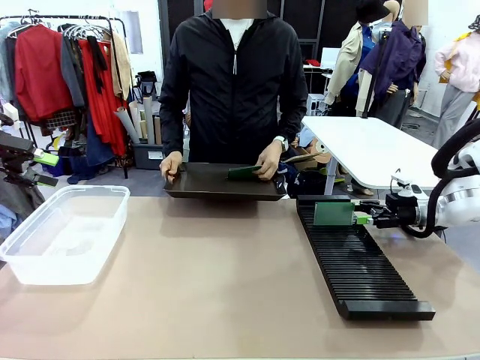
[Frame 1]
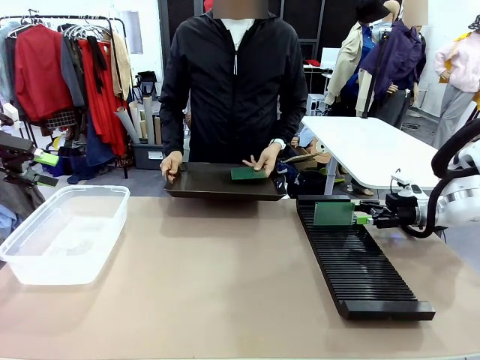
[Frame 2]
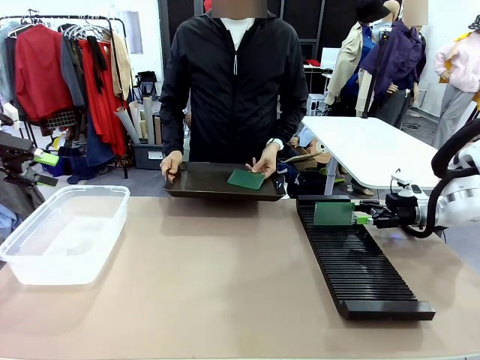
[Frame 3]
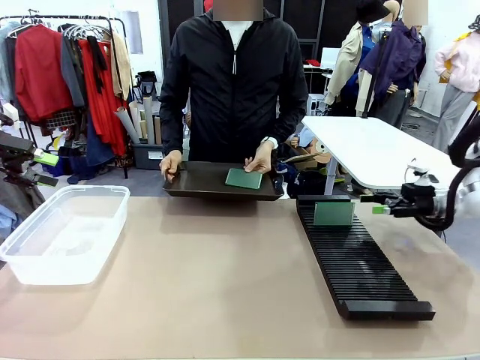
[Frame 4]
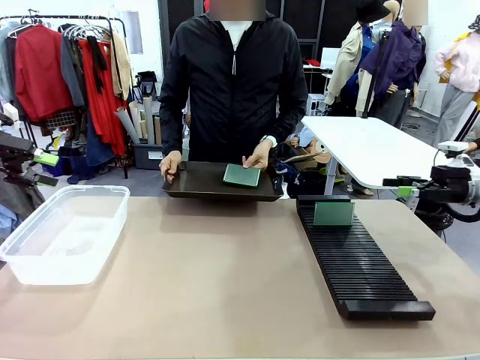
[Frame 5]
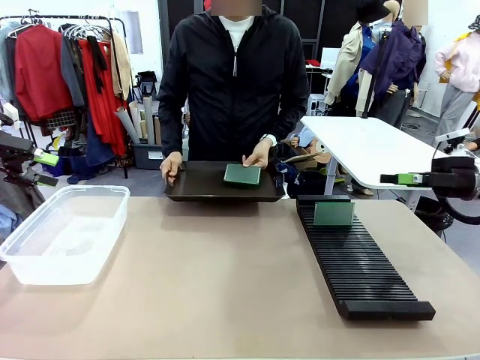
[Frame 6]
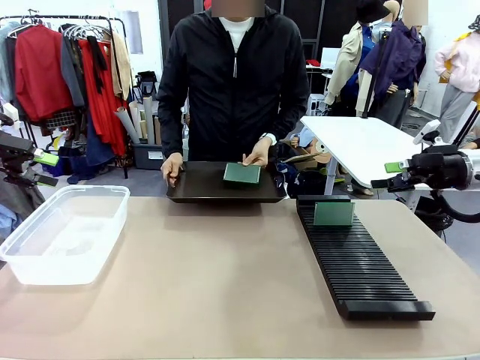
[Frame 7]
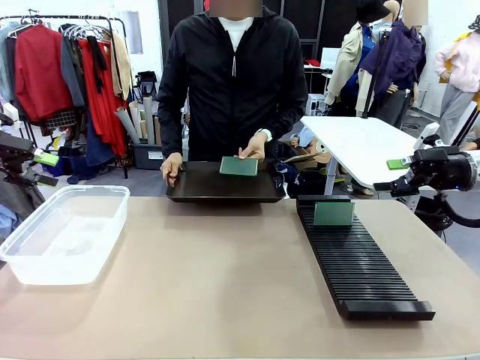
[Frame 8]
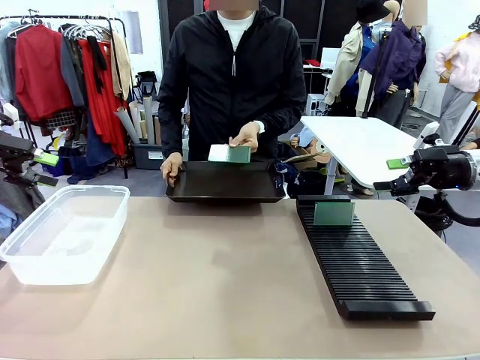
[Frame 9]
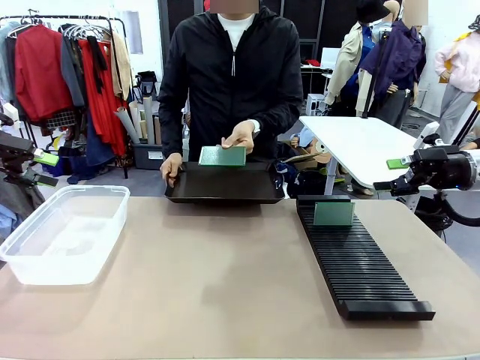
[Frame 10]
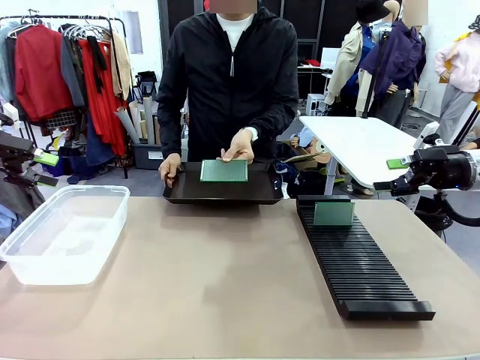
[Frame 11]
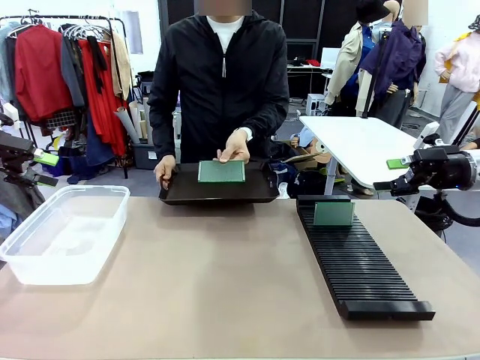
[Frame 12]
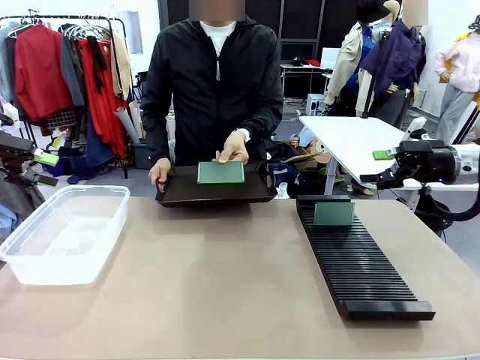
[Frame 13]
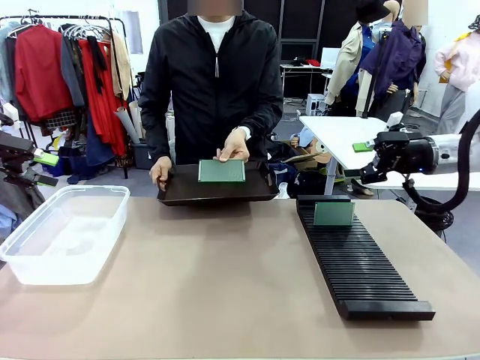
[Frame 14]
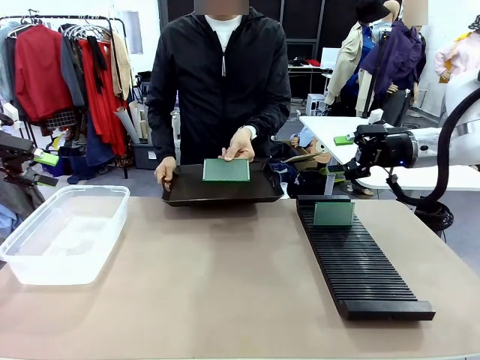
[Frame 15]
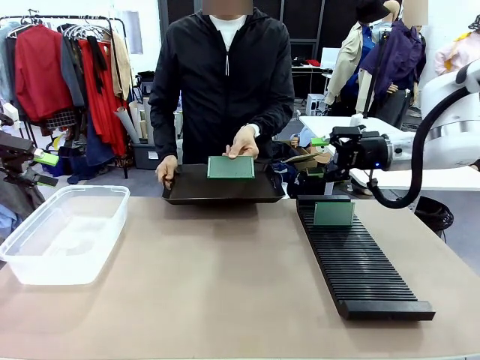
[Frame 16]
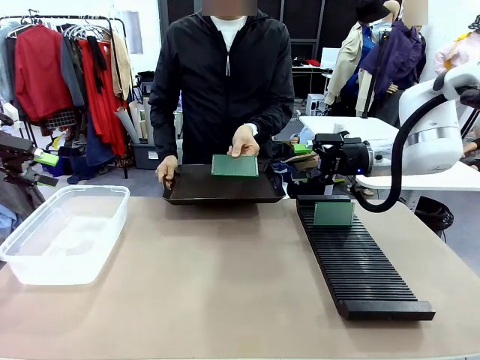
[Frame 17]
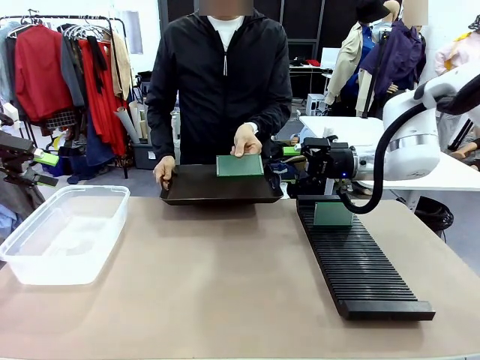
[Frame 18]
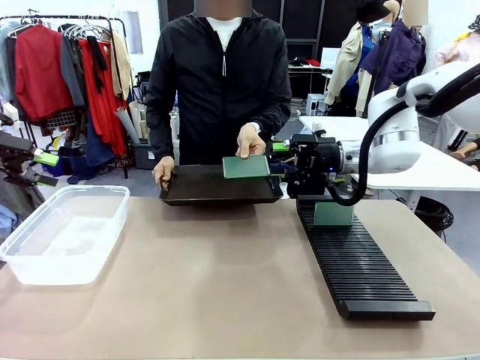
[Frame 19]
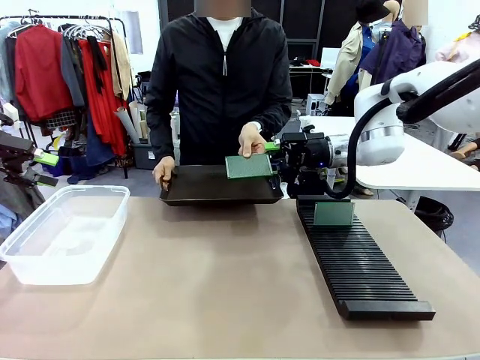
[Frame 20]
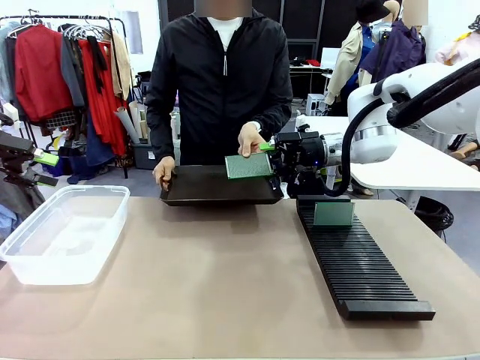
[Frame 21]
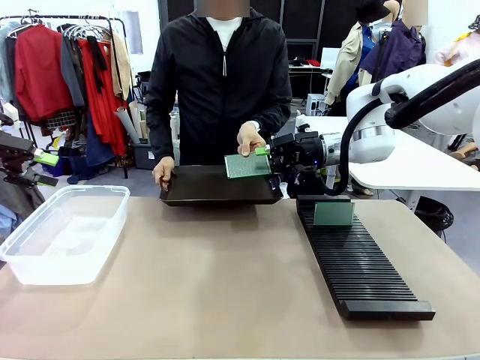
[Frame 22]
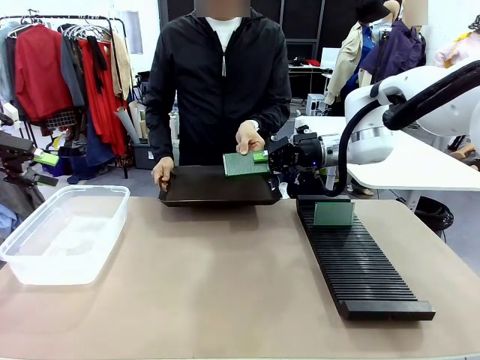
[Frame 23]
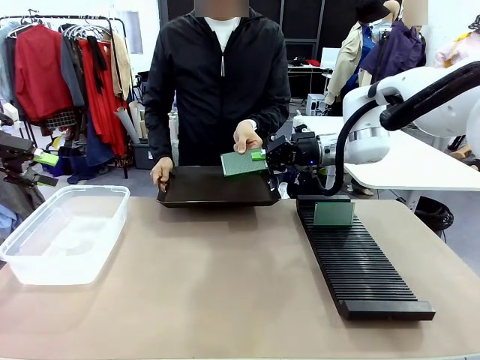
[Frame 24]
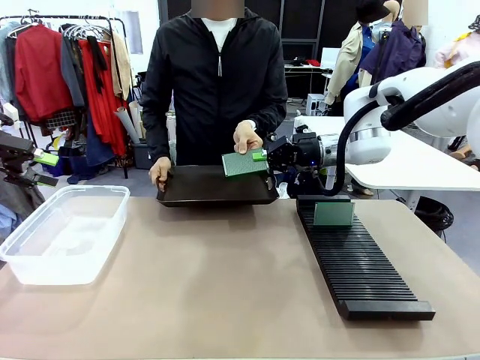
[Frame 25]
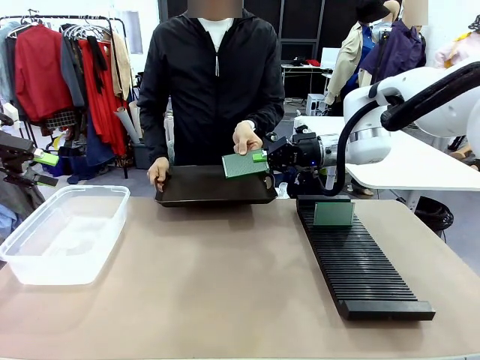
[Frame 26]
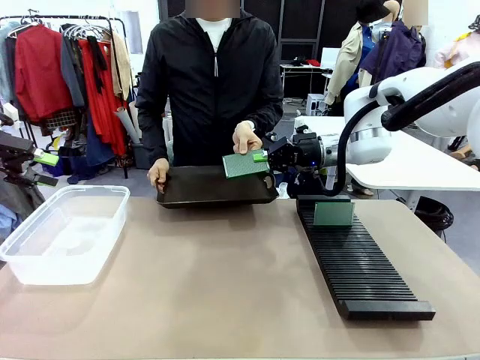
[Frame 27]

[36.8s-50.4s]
Task: Sort PCBs into racks and boxes based on the side picked up.
Robot: Pick up the Blank PCB handed by the Human.

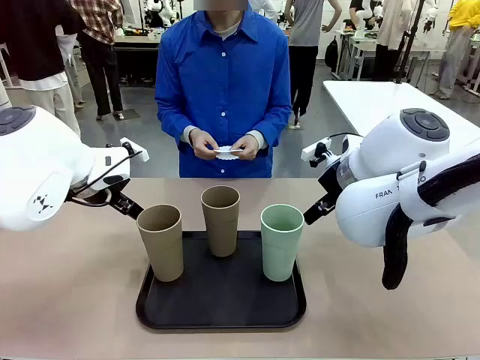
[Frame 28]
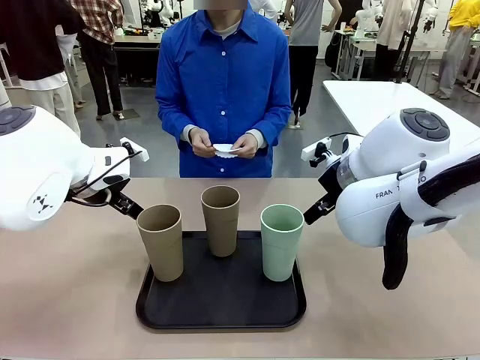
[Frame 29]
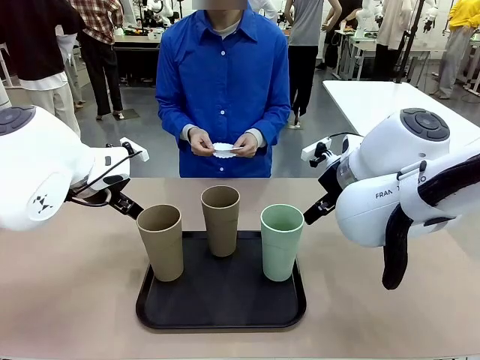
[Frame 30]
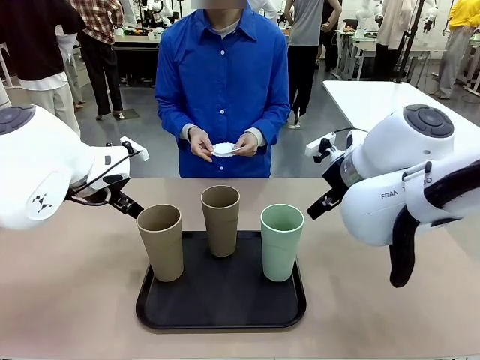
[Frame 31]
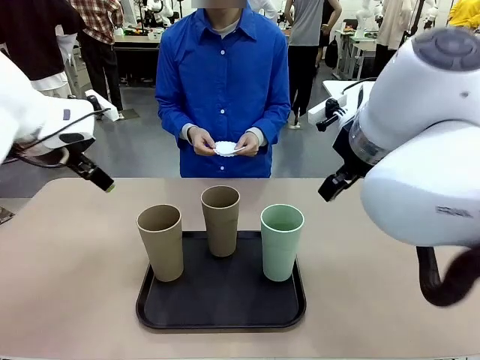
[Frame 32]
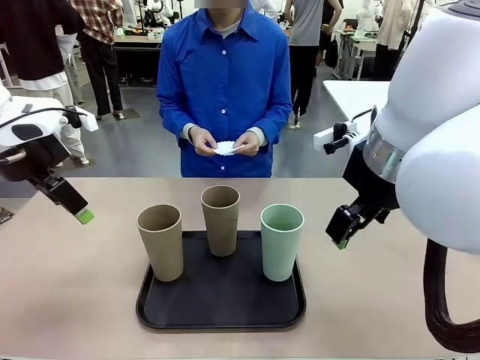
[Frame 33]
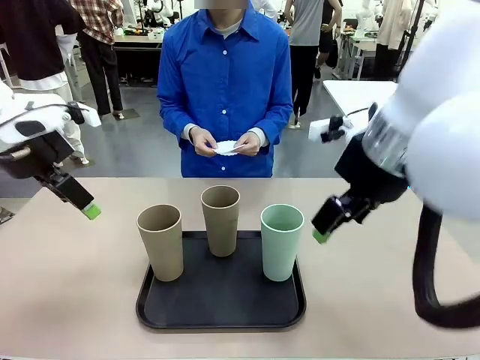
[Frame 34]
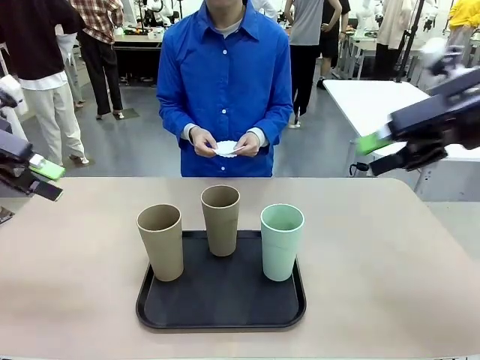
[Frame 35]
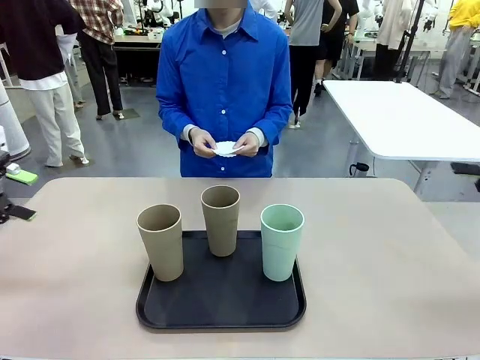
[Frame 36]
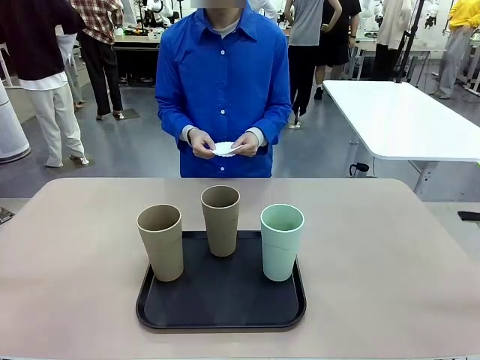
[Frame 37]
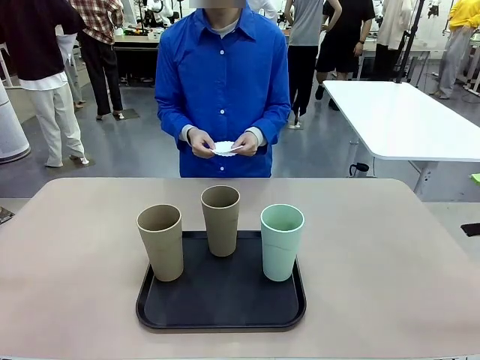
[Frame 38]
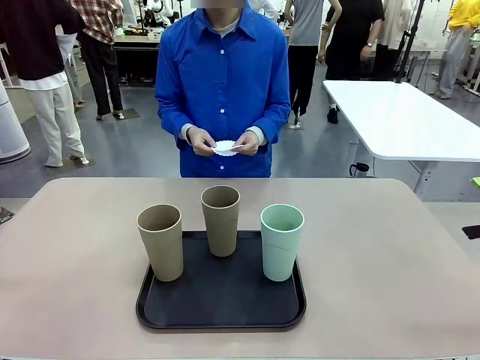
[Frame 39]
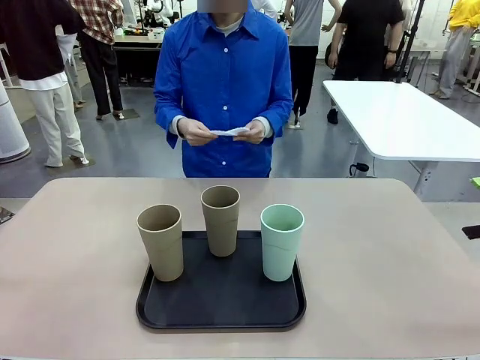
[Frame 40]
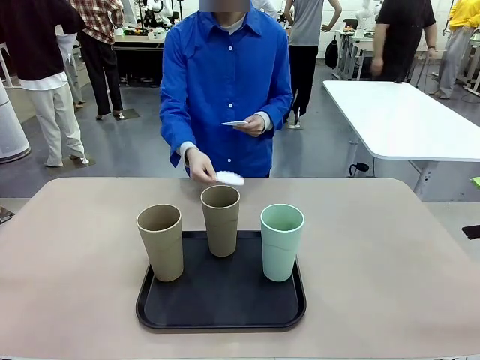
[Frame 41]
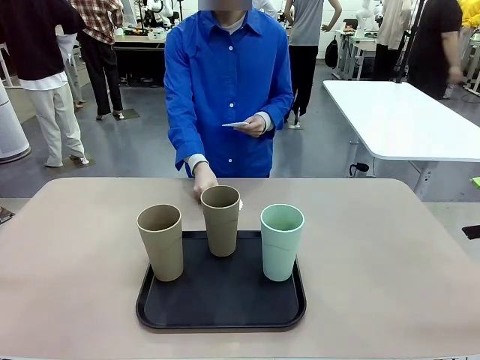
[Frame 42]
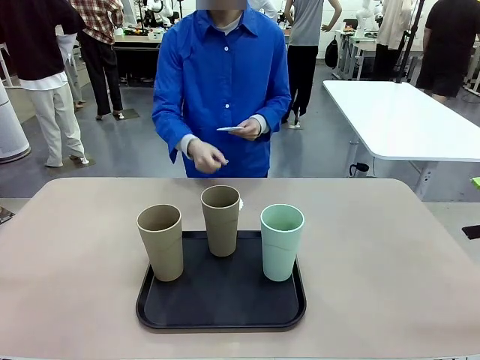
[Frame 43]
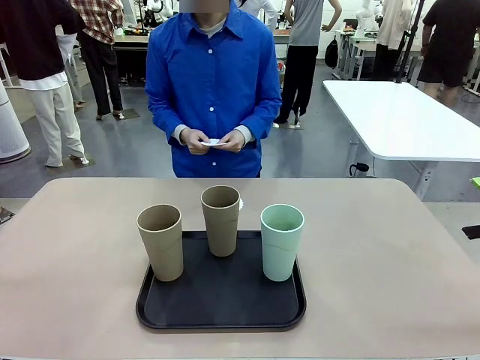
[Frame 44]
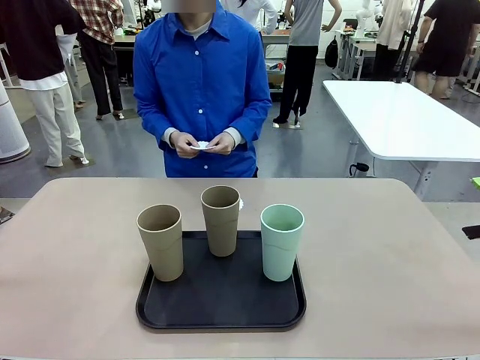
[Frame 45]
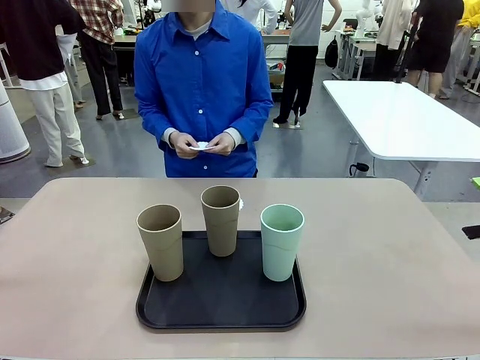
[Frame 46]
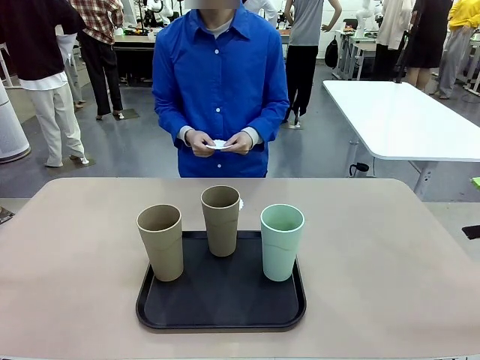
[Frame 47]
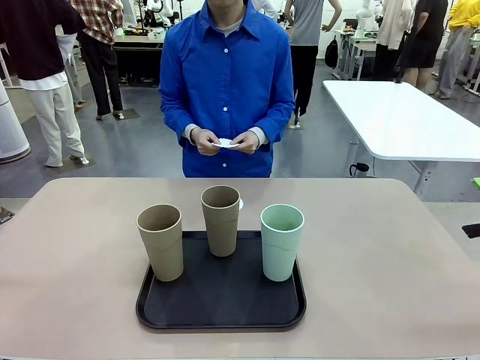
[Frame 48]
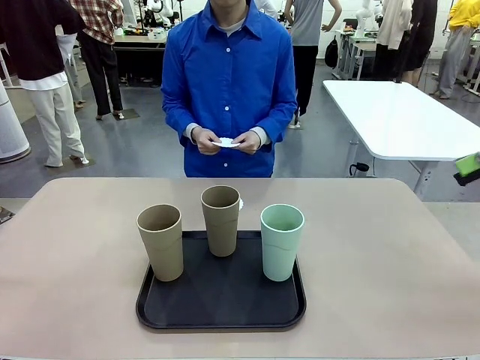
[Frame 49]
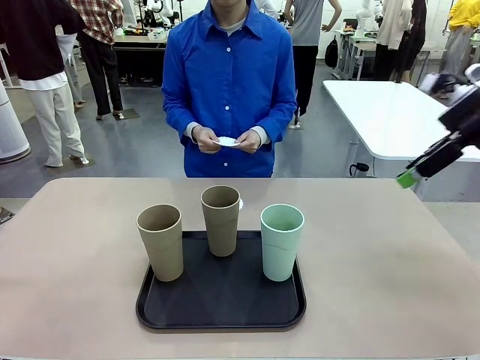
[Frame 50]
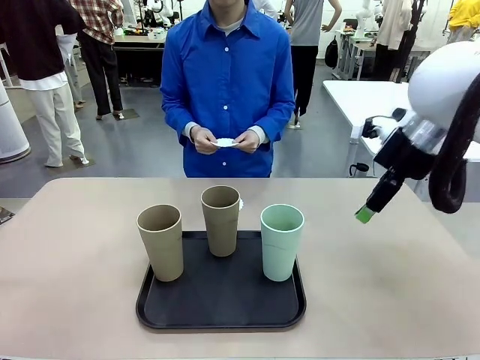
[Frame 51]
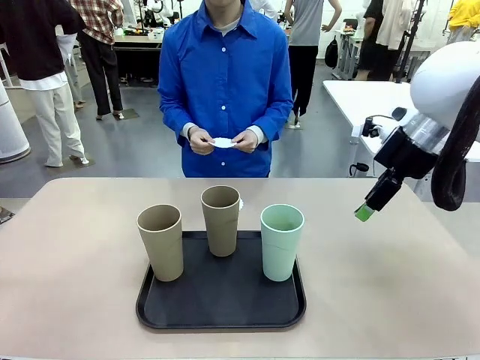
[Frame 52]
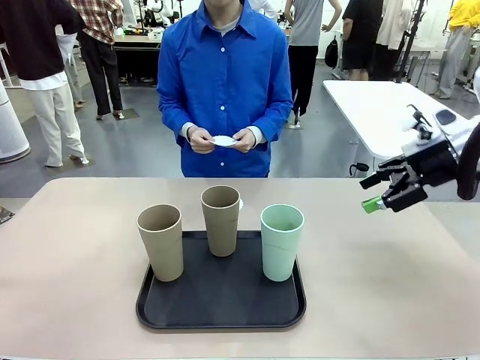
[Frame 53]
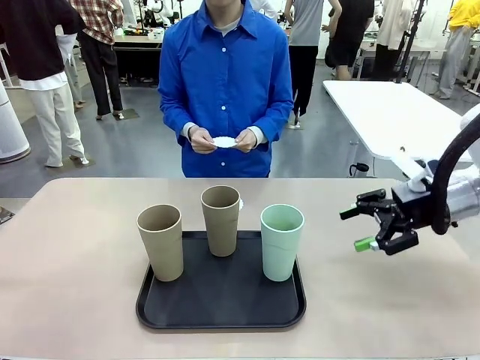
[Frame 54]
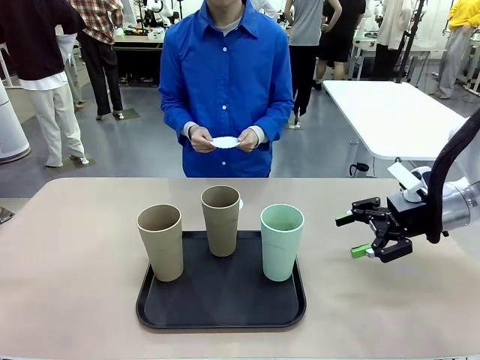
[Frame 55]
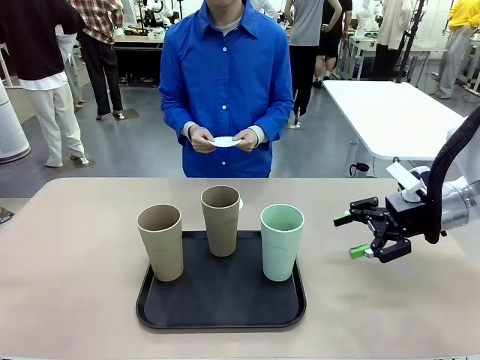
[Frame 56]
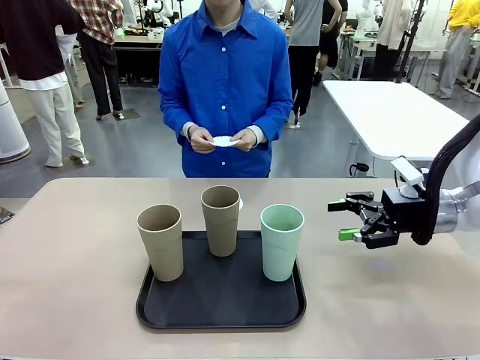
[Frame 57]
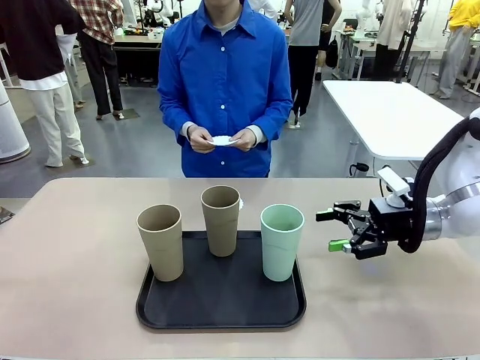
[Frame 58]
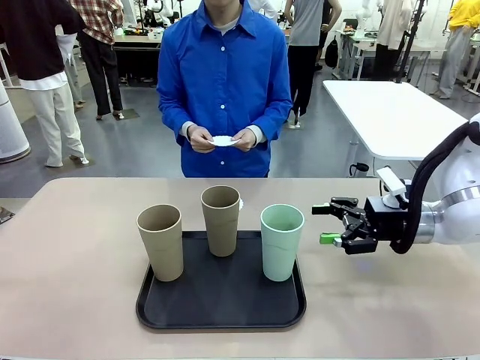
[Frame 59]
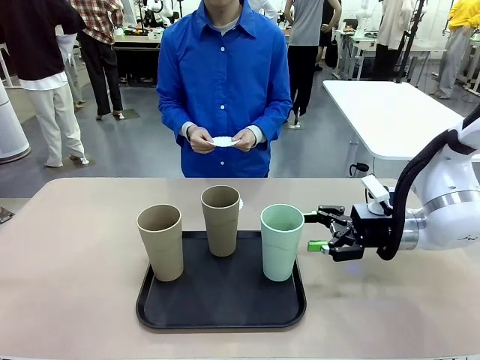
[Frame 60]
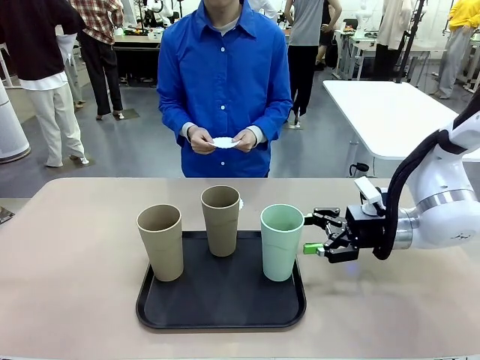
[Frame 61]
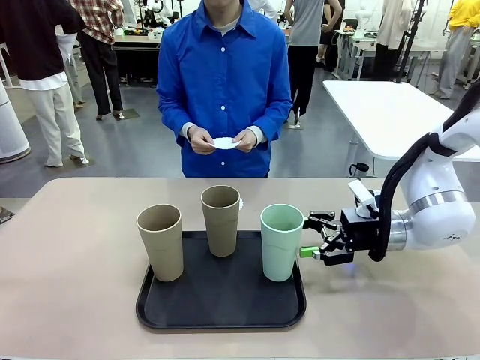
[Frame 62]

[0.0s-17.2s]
Task: Place coasters on the table and set cups on them.
Robot: Pick up one Reusable plastic cup and place it on a coaster set by the human.
Person: Place one coaster in any one of the three lower areas of the robot table (left, center, or right).
